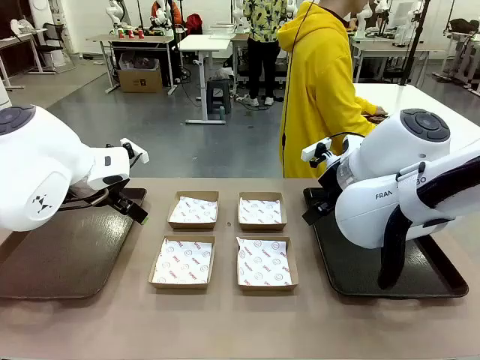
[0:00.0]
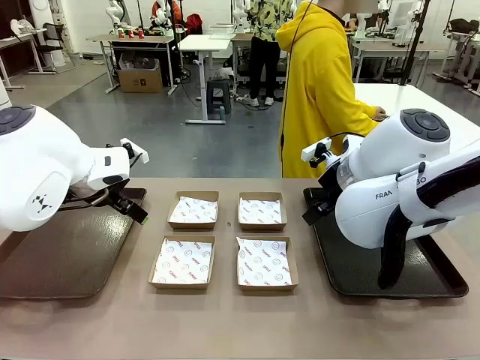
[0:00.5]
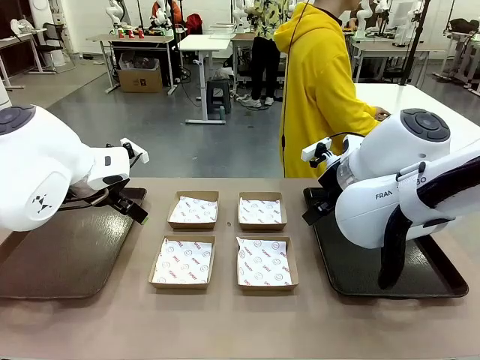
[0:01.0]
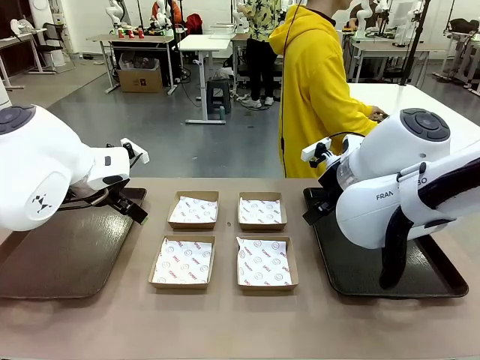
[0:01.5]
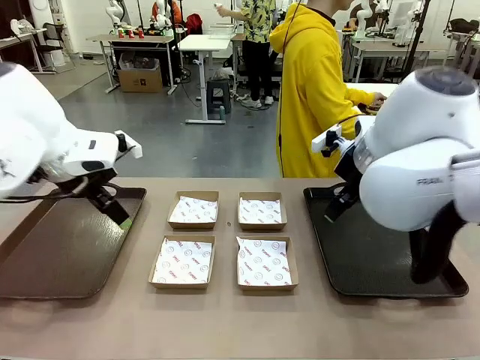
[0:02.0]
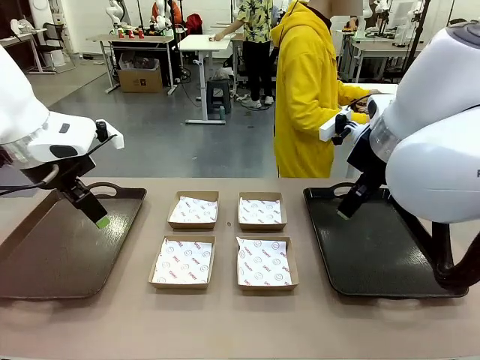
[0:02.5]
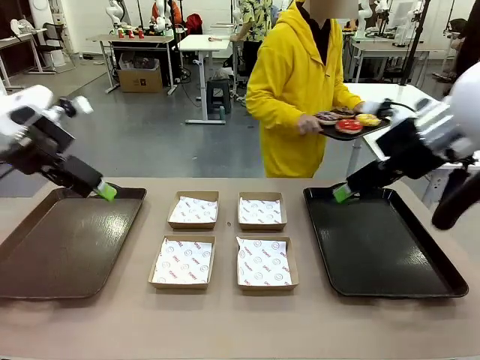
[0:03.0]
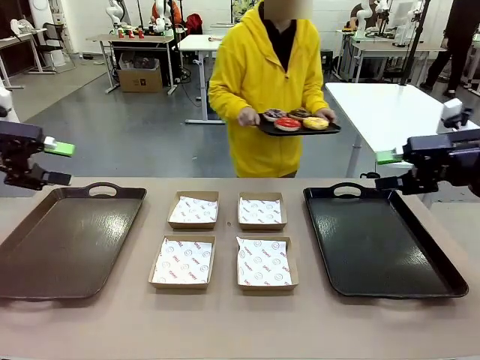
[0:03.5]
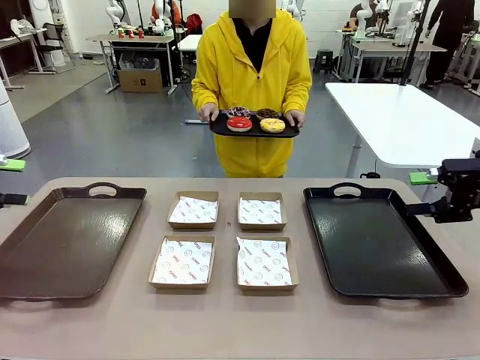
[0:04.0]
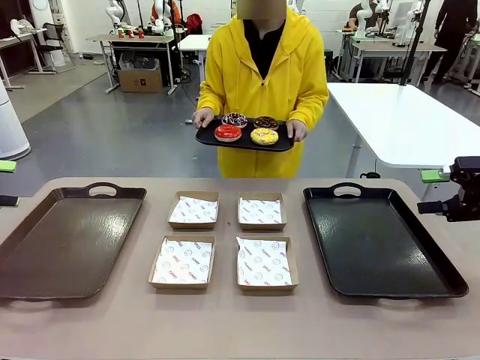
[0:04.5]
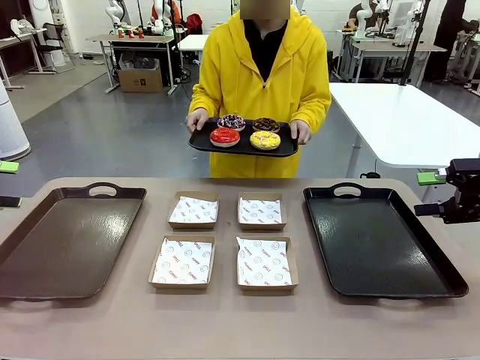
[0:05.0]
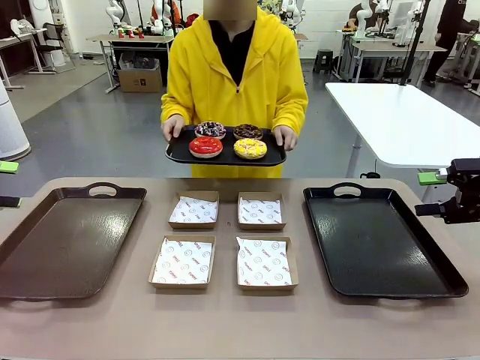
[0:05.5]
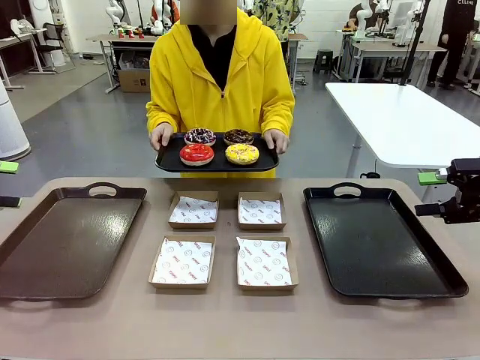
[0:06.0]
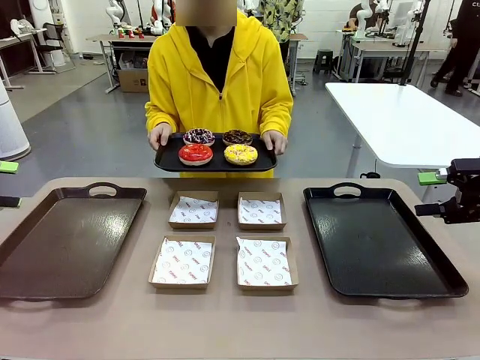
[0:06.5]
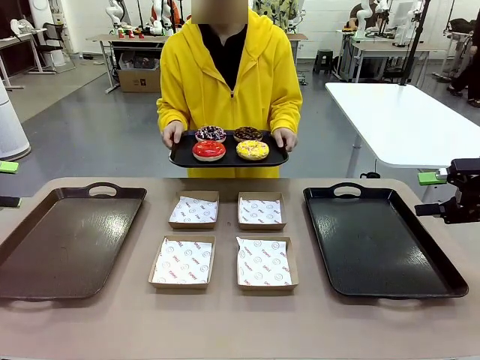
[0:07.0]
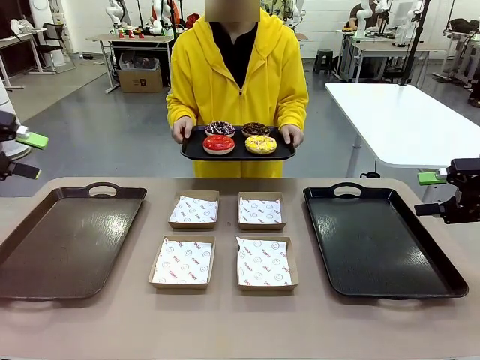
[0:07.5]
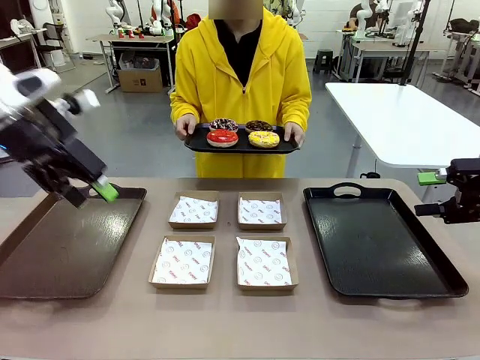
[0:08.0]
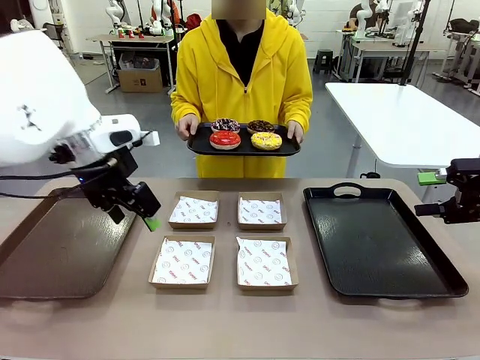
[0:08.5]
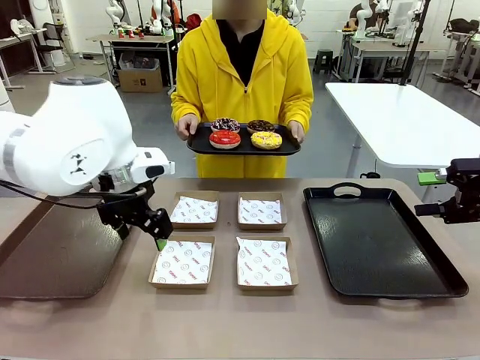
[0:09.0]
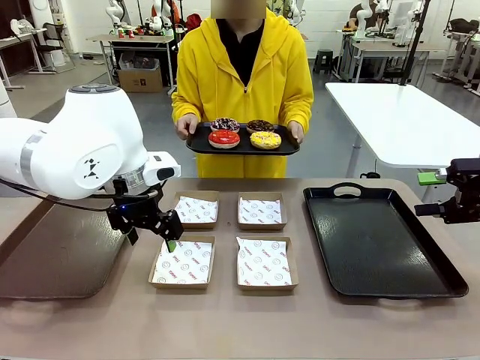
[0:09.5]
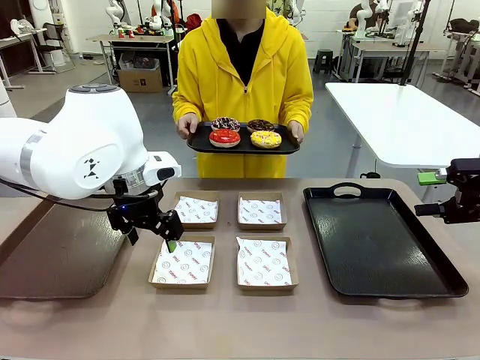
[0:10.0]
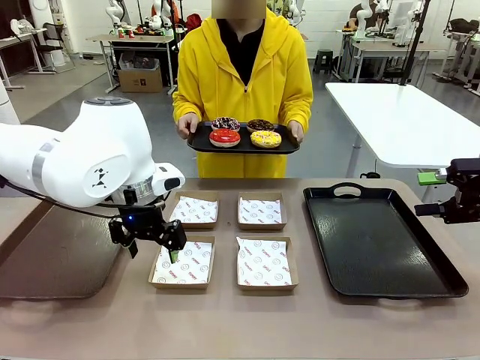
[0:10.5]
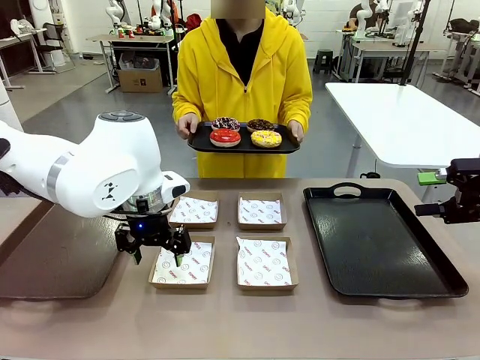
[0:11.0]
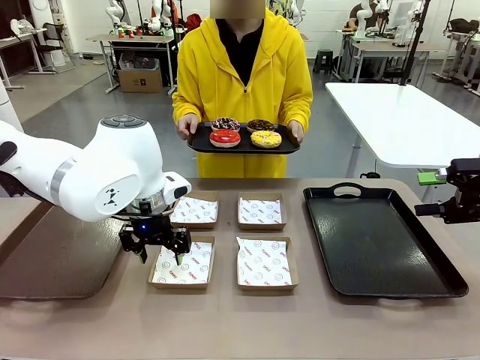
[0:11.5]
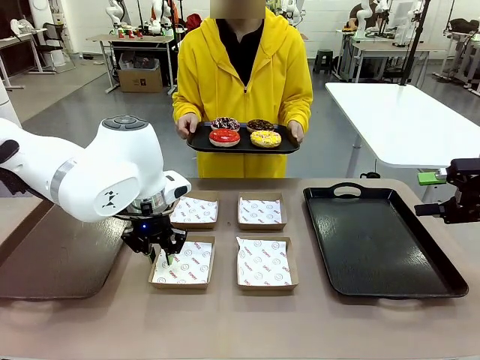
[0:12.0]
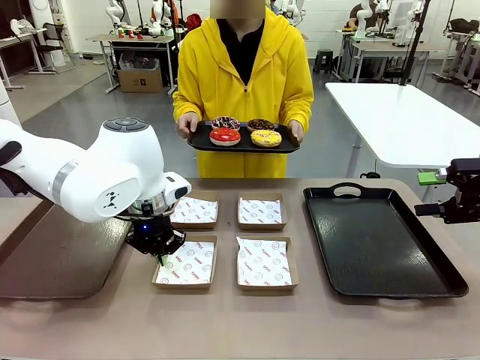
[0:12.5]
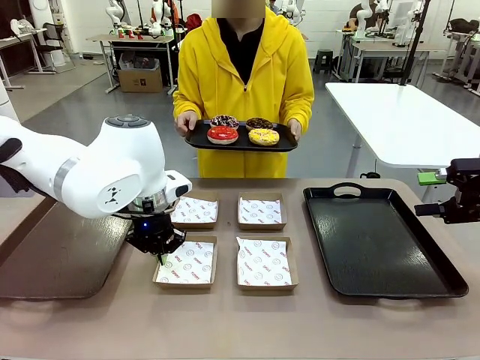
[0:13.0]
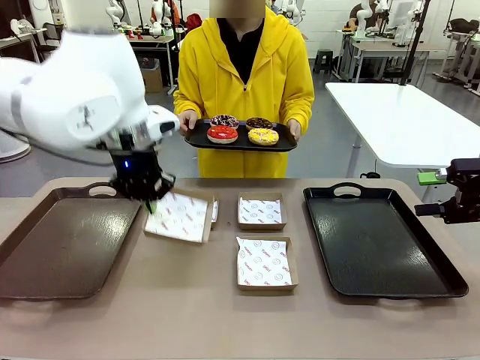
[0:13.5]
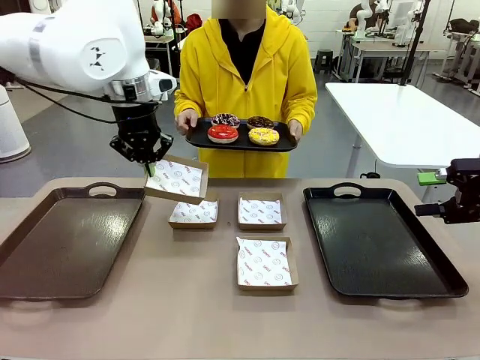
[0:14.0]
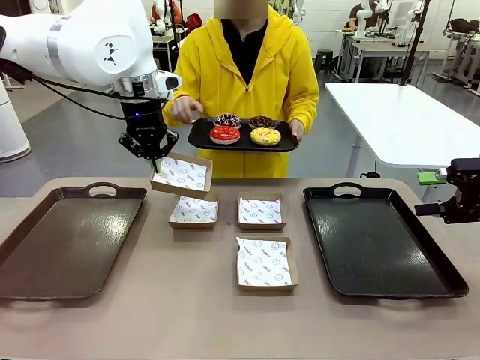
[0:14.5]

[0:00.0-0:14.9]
Task: Individually package the donuts and arrange them on the tray.
Robot: Pick up one Paper togo box.
Person: Stand in front of the robot table holding the tray containing the donuts.

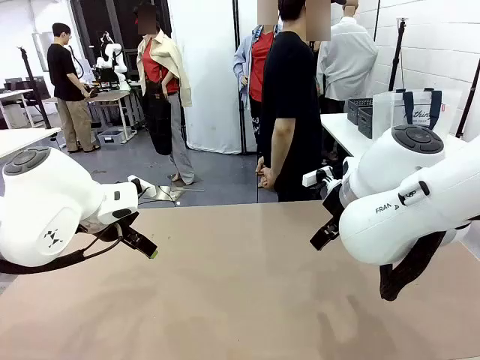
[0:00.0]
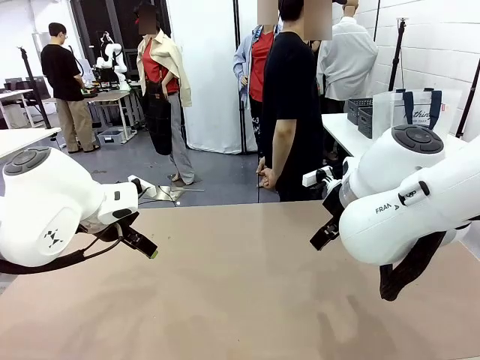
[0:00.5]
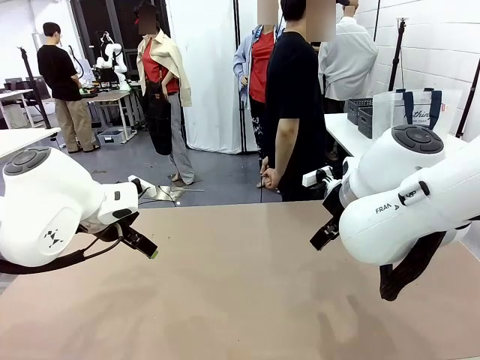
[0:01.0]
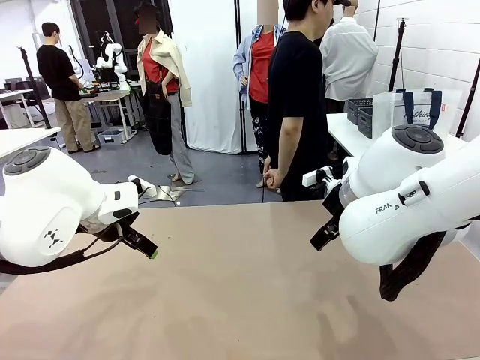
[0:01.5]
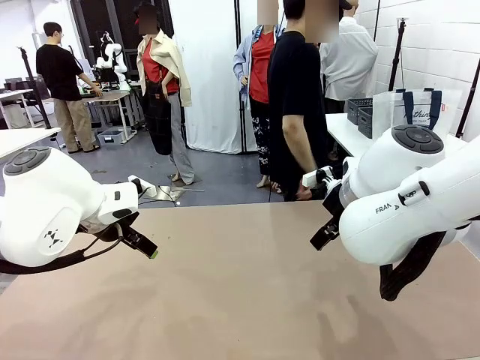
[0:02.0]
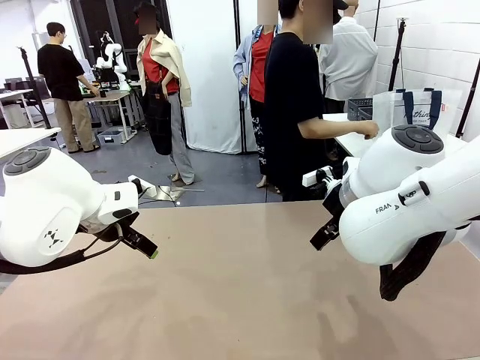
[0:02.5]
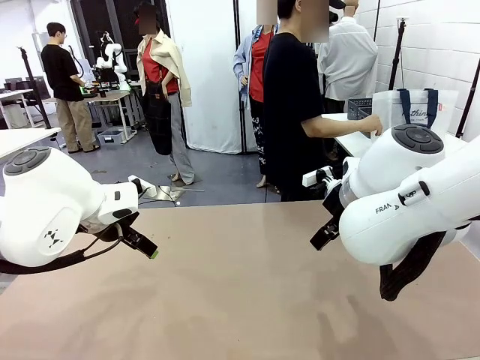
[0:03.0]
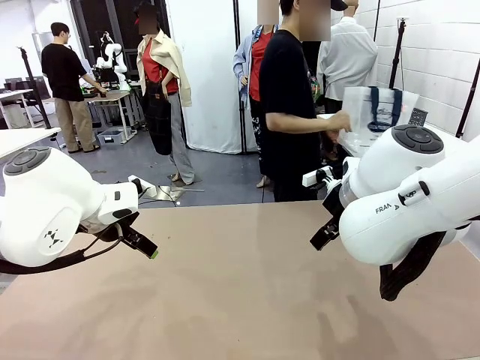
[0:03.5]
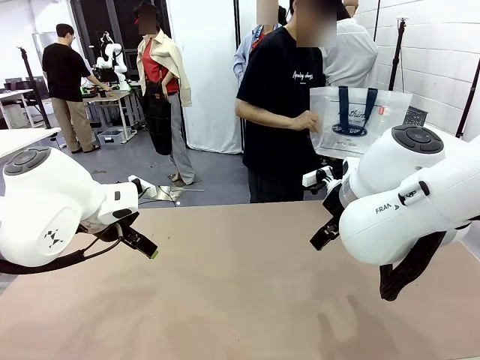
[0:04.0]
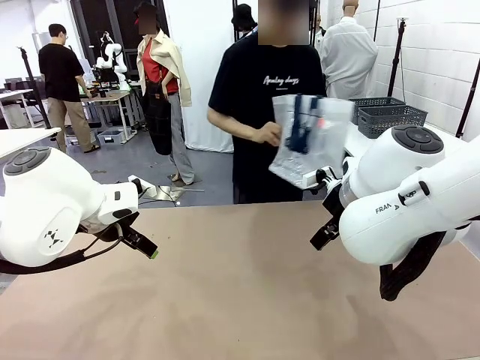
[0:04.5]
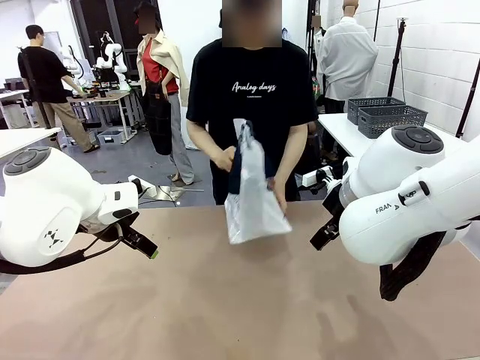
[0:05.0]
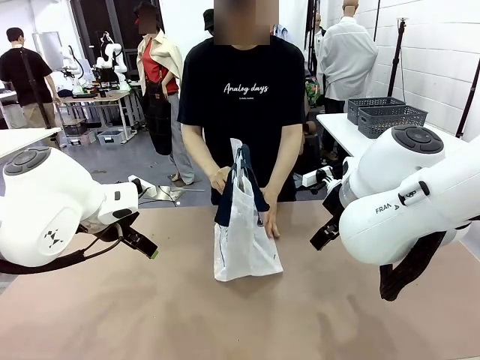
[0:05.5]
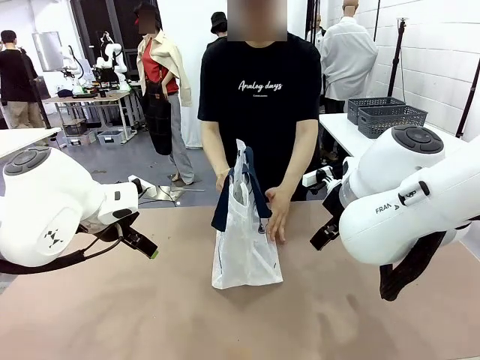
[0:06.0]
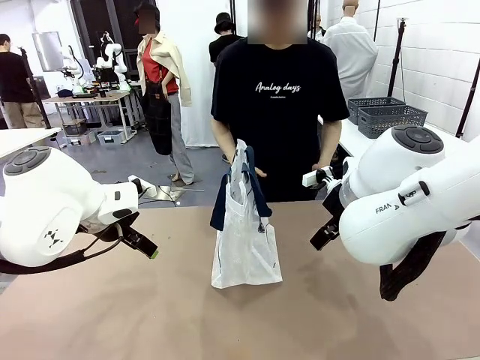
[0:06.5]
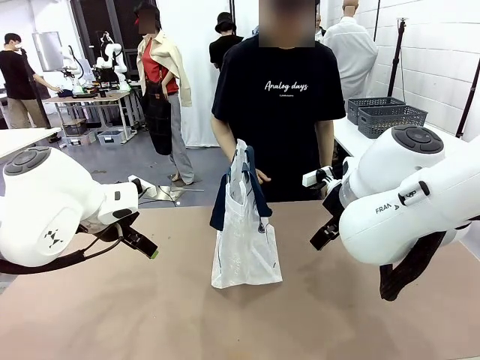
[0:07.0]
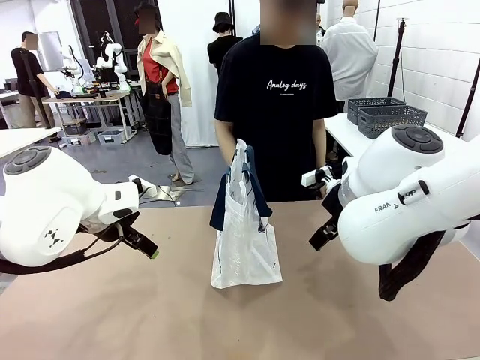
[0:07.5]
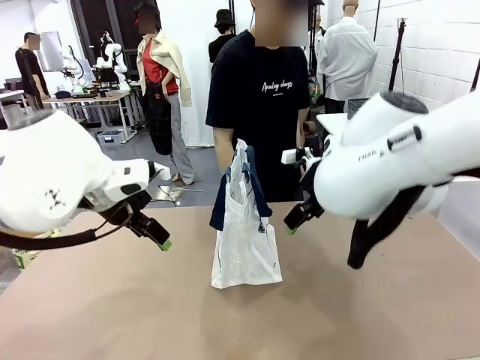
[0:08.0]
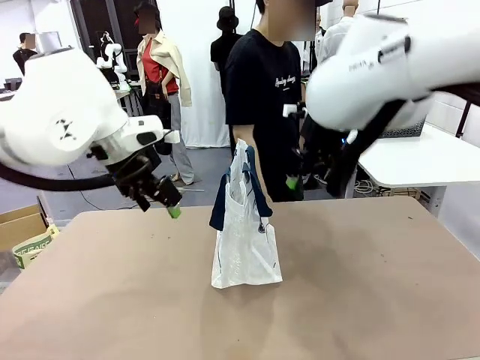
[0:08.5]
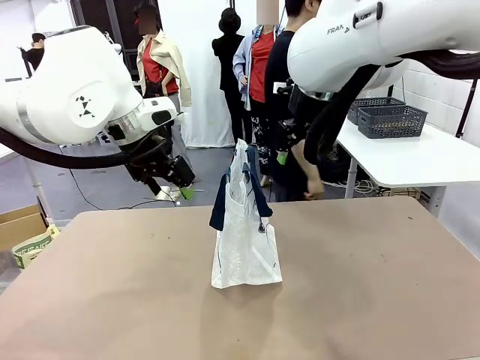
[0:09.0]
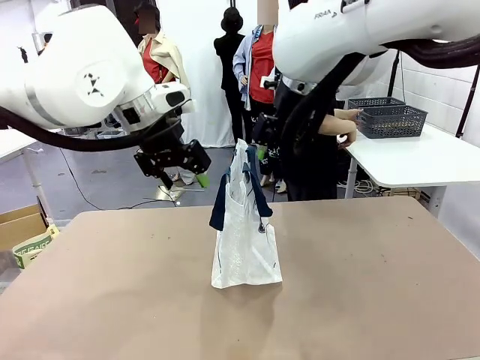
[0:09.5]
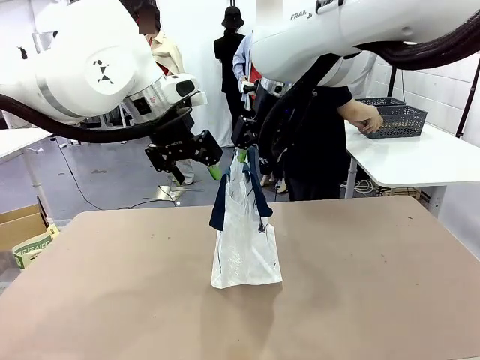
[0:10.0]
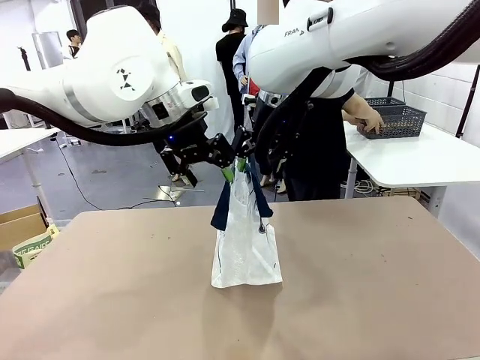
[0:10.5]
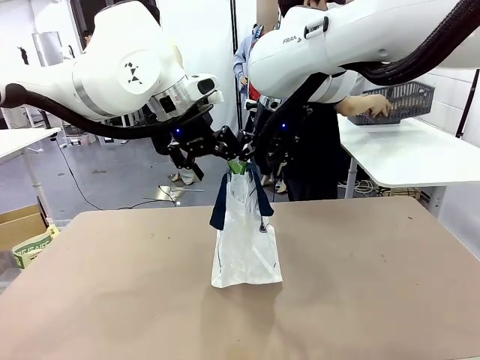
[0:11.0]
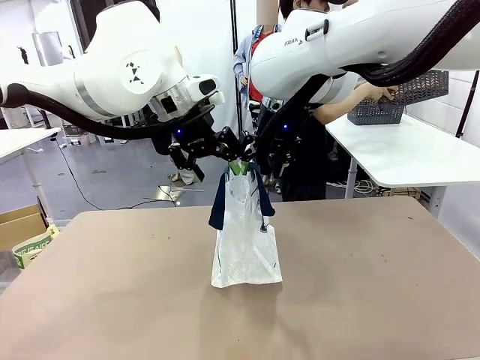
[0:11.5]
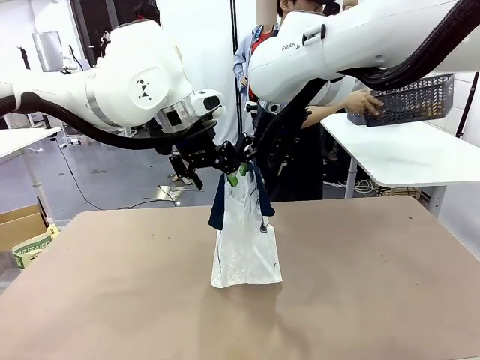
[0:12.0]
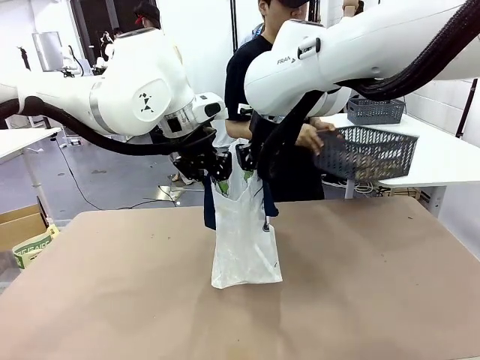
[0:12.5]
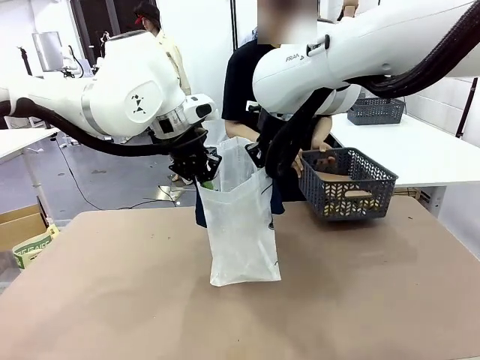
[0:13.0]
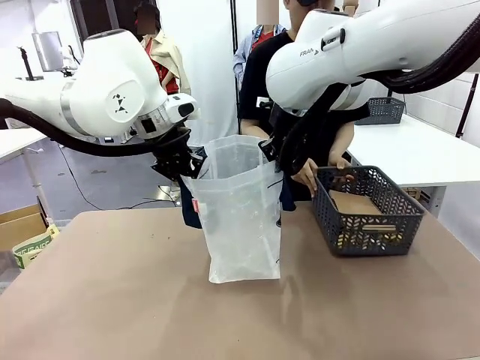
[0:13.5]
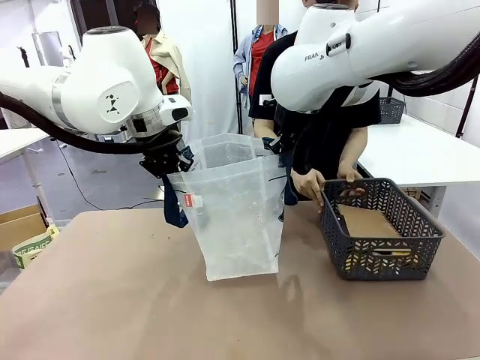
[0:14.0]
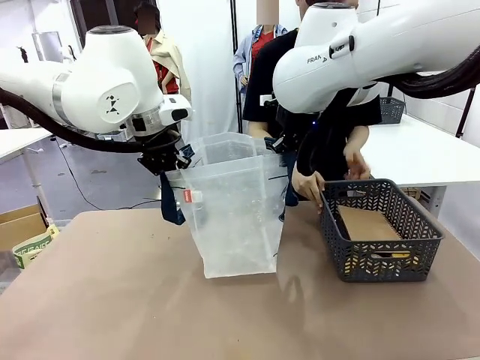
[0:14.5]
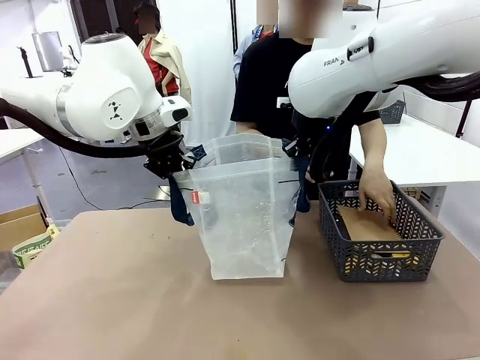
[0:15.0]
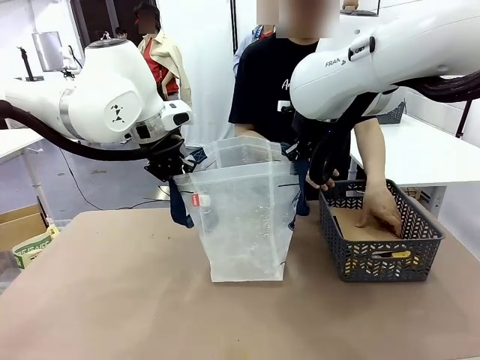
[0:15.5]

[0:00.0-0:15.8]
Task: Transfer purchased items from the store into the shopping bag.
Robot: Open the Reusable shopping bag in the center of the table.
Person: Pick up the shopping bag and place it in the middle of the robot table.
